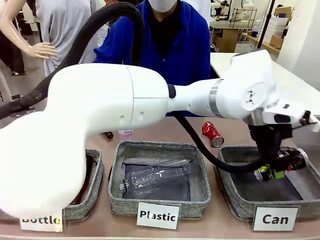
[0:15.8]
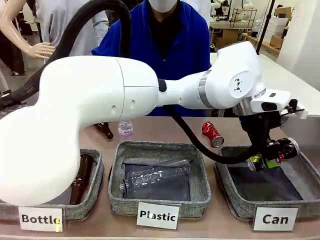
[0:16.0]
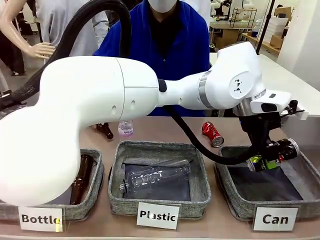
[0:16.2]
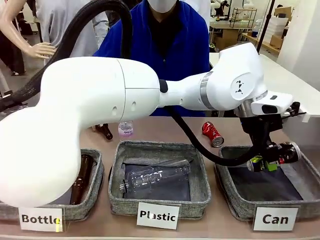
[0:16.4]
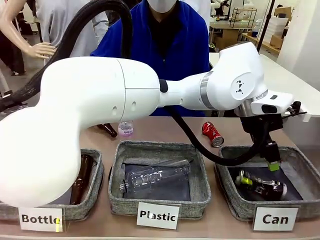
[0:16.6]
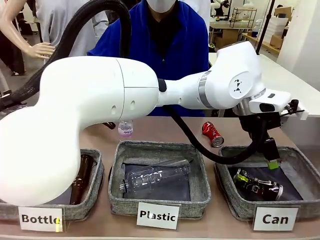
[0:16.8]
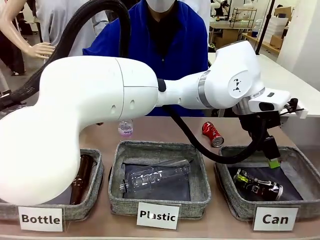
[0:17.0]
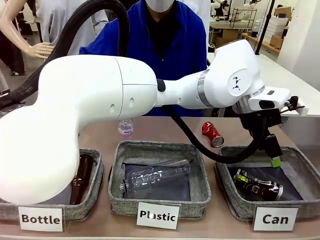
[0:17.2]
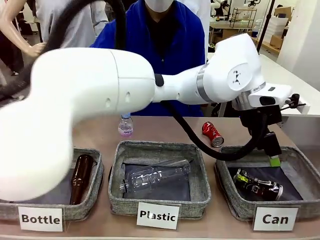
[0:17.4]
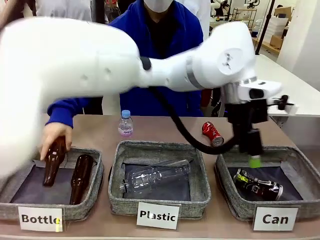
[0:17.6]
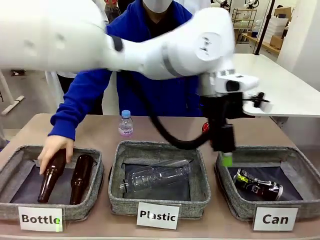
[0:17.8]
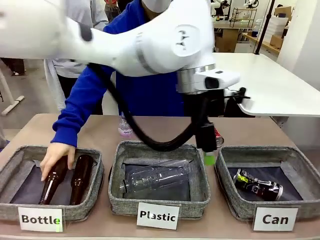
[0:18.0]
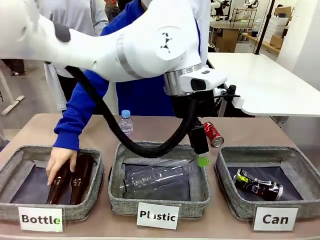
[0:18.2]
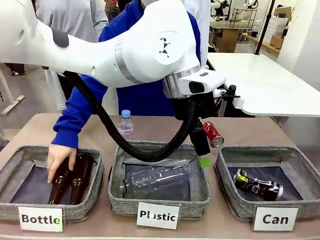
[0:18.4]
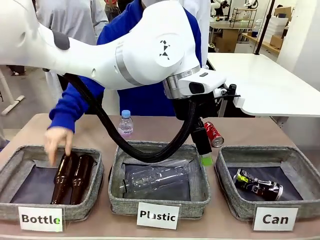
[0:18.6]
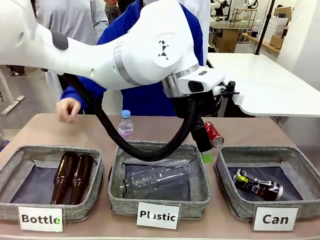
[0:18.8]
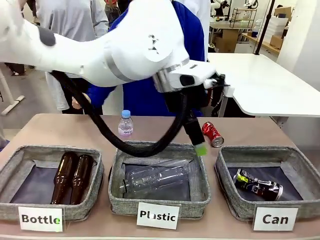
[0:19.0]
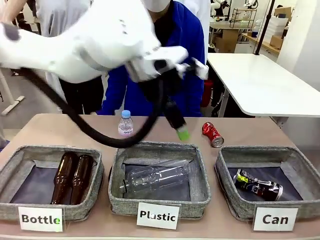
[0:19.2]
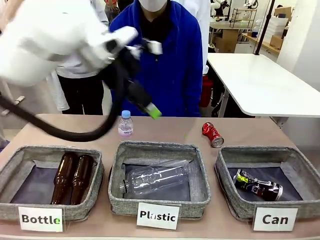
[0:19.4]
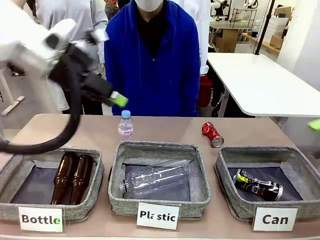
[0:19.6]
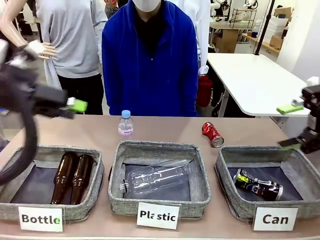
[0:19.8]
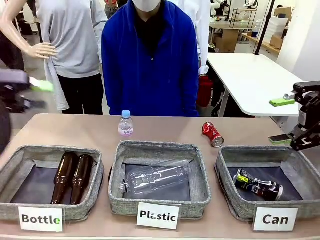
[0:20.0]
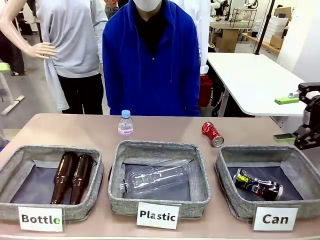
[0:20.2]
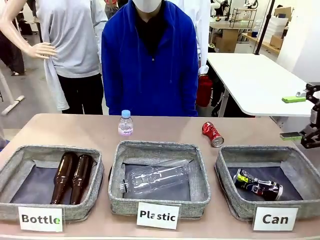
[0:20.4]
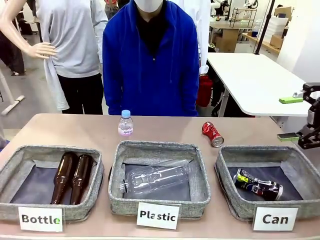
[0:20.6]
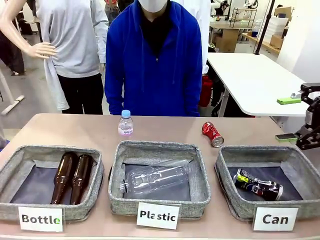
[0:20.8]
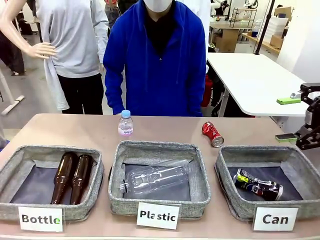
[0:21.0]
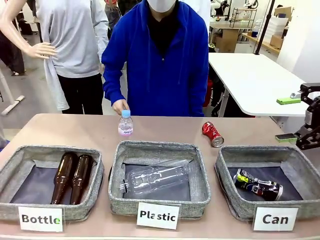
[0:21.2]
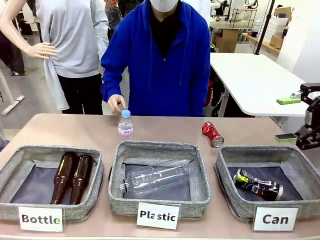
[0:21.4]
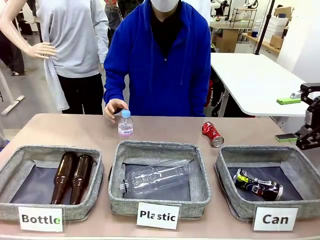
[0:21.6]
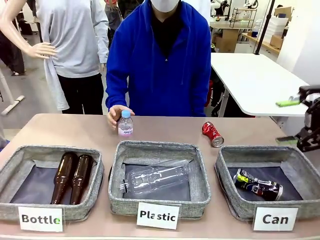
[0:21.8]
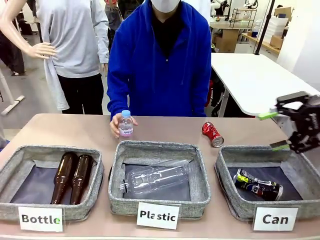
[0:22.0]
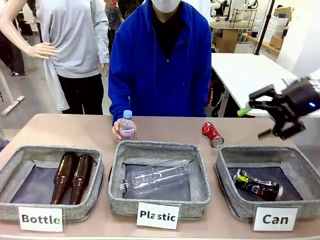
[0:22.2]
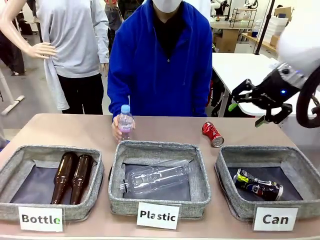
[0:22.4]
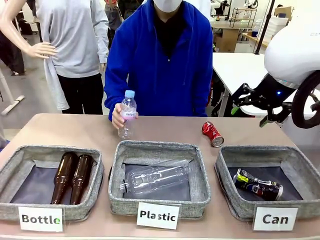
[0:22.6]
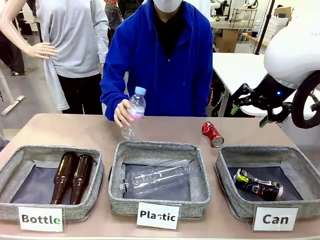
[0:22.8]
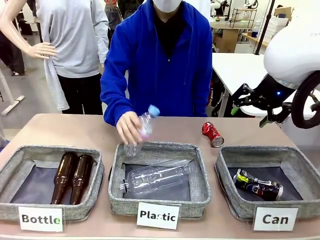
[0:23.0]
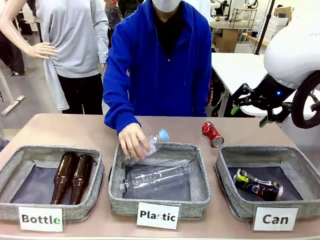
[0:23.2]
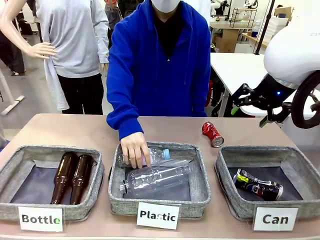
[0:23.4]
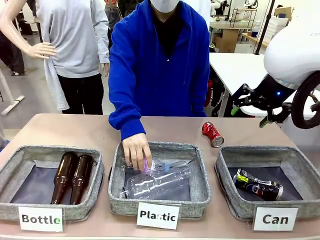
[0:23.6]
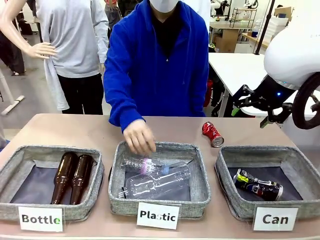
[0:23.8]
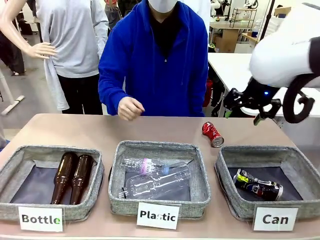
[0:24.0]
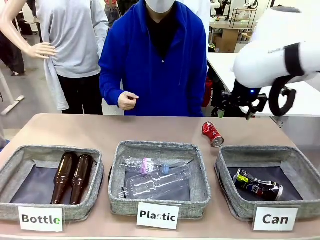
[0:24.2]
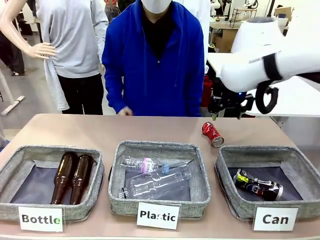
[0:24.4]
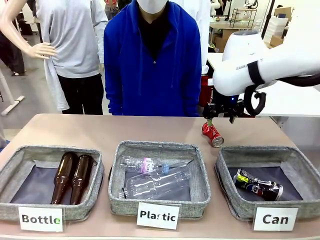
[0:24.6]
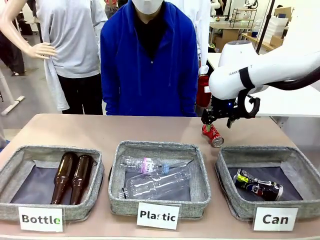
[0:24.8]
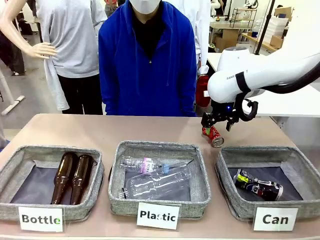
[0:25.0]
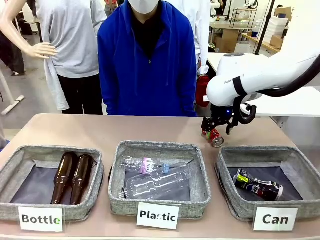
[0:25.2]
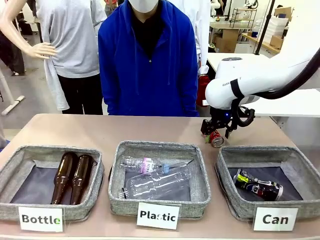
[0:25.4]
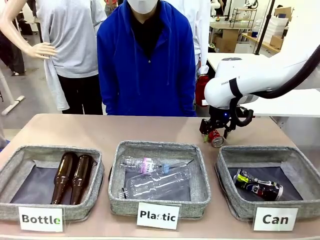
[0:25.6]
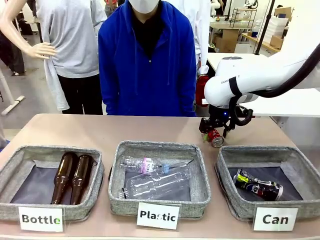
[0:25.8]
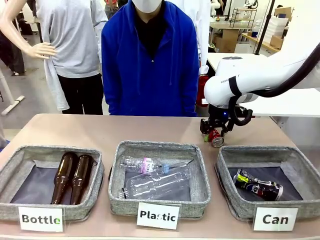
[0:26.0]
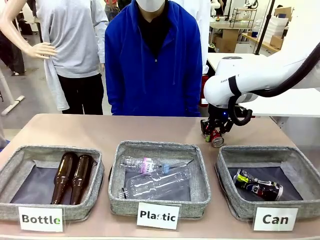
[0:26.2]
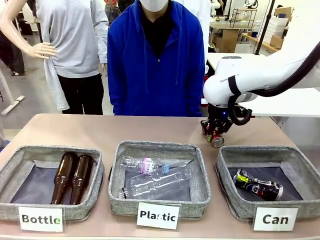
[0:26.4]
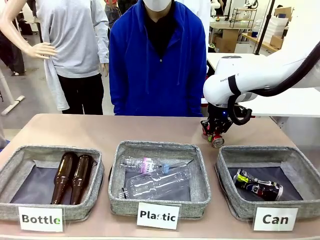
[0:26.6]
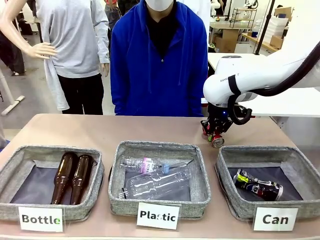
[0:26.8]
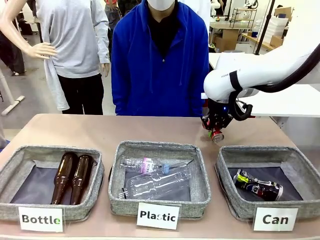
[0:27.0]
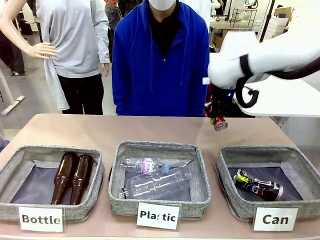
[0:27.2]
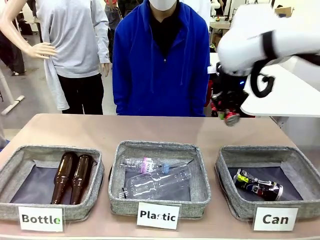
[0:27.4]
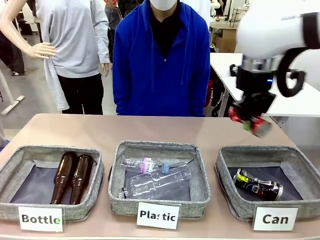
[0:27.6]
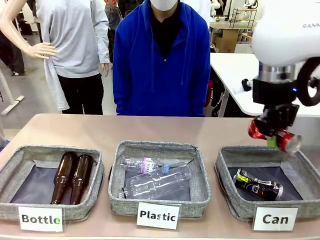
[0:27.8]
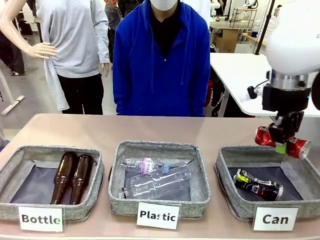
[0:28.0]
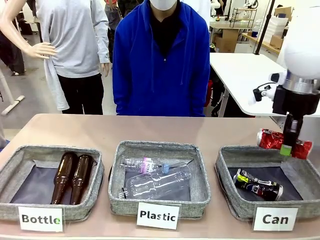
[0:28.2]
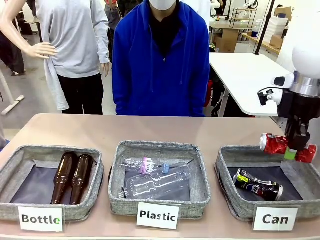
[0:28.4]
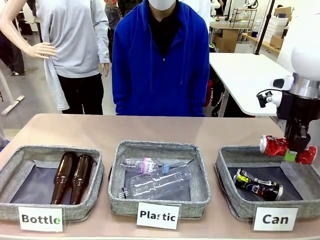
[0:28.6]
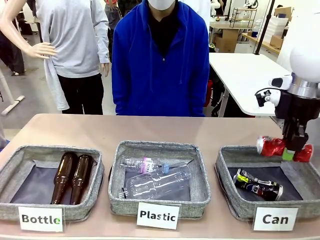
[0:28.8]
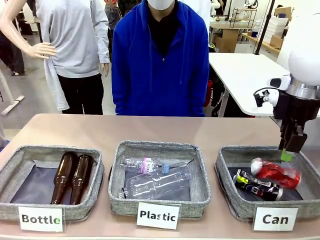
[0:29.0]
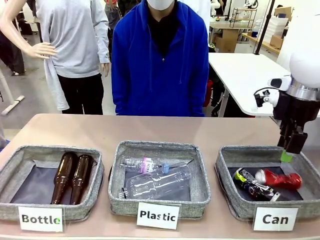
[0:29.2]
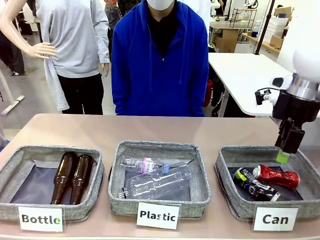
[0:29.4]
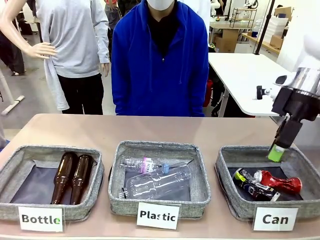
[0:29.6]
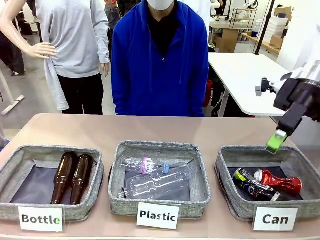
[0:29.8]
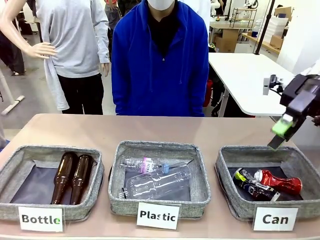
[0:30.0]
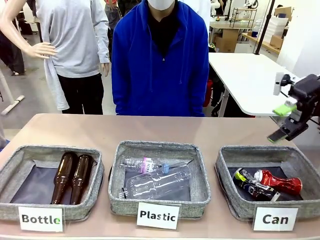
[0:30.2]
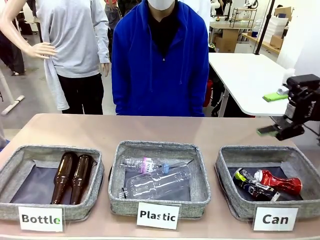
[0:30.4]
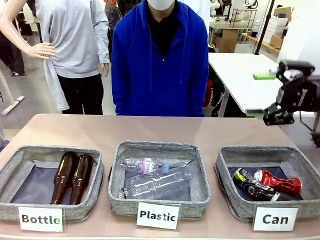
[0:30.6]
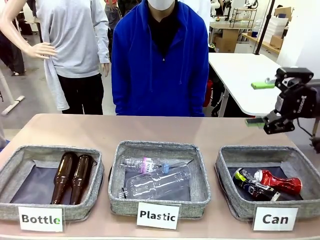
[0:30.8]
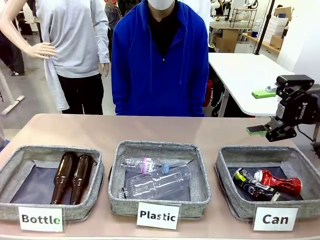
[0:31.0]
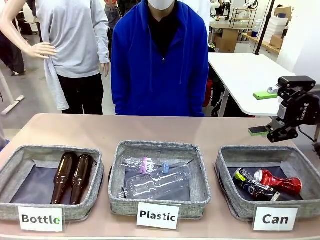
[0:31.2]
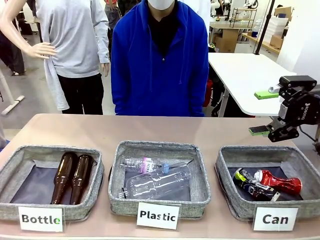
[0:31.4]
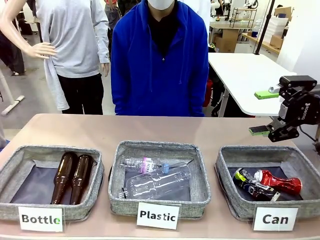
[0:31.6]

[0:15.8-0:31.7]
Task: Sort the can waste into the basket.
Robot: Pick up the can waste from the table and place it in the right Fabric basket.
Person: The human picks up one piece of trash that is not a can and places the trash into the appropriate organizing basket.
